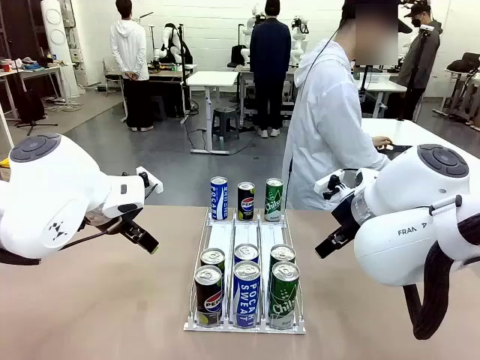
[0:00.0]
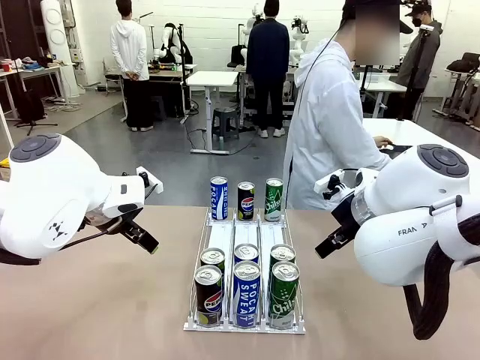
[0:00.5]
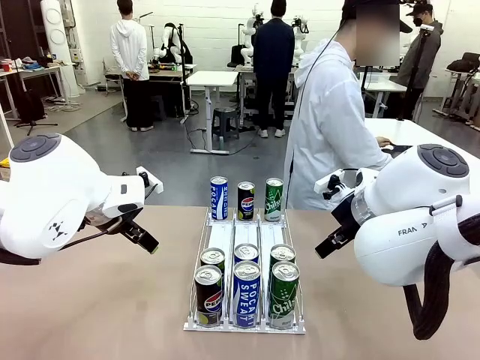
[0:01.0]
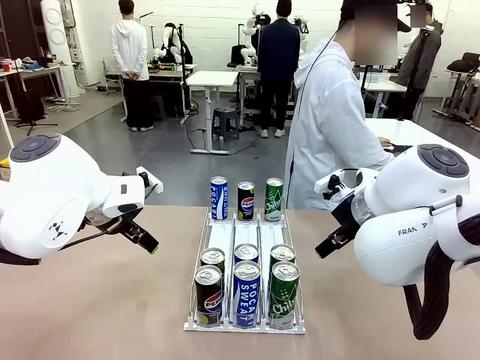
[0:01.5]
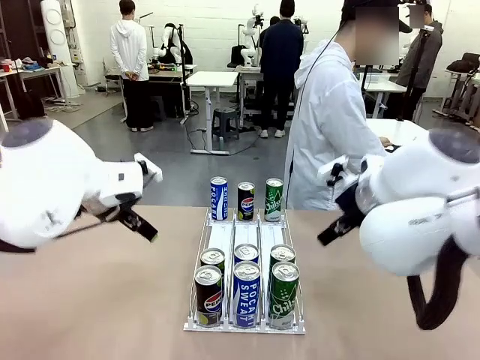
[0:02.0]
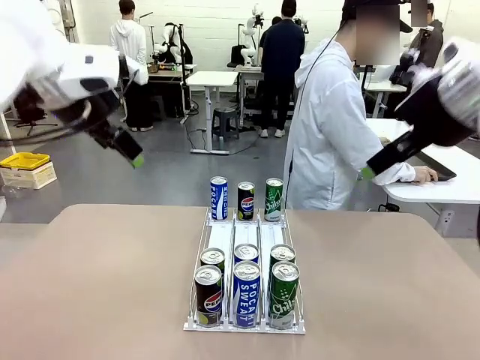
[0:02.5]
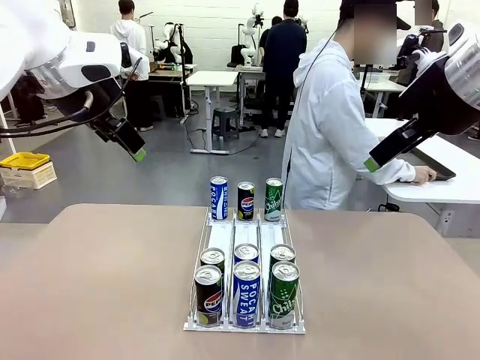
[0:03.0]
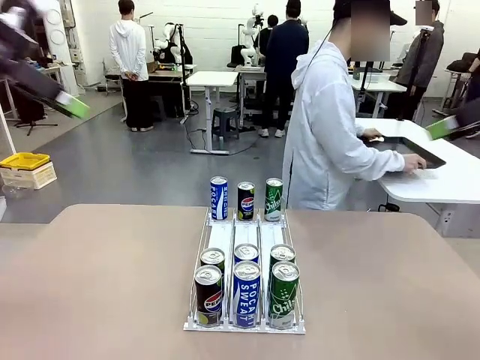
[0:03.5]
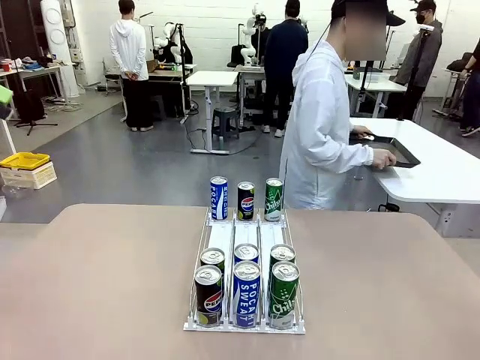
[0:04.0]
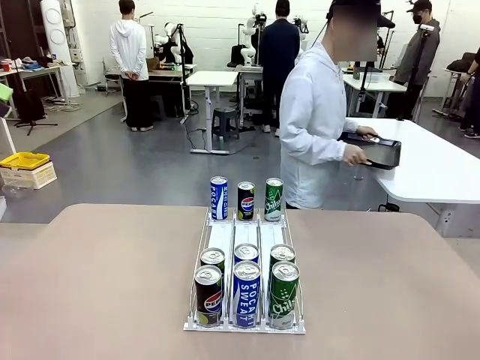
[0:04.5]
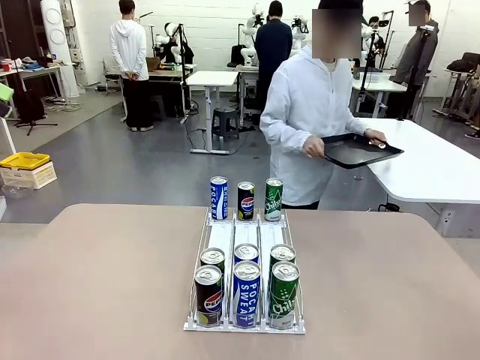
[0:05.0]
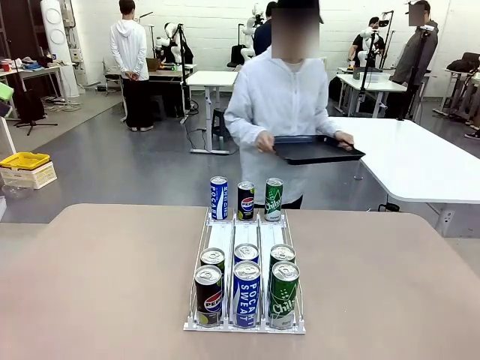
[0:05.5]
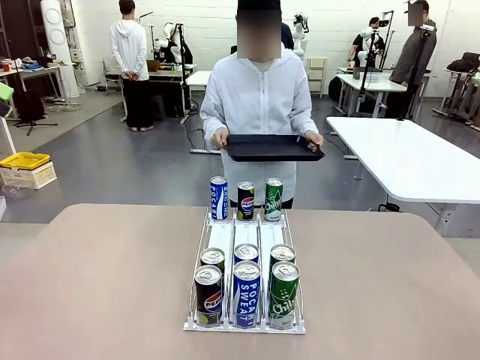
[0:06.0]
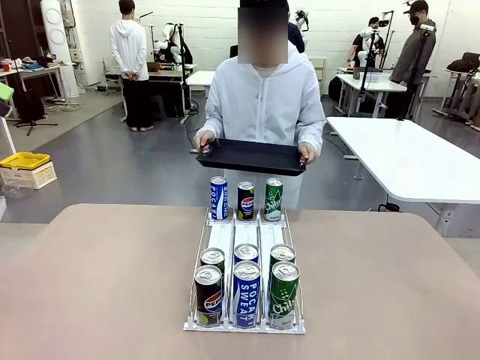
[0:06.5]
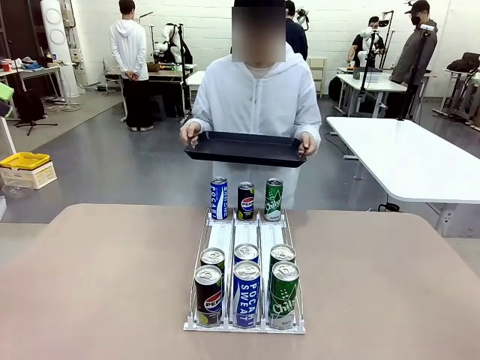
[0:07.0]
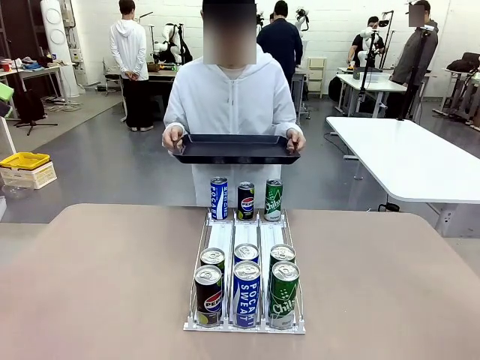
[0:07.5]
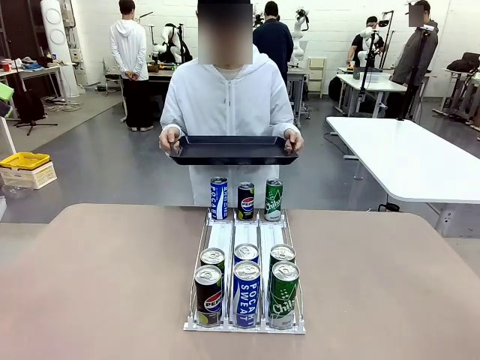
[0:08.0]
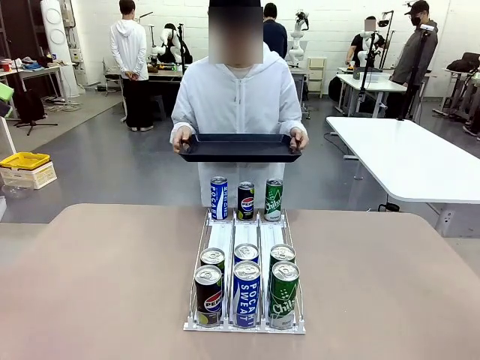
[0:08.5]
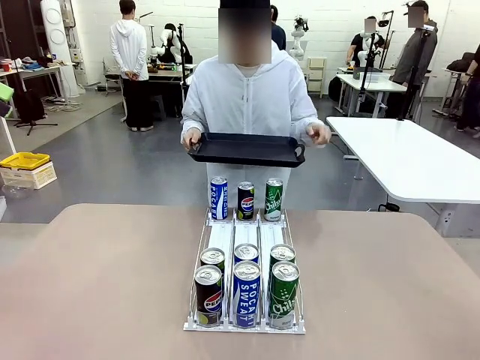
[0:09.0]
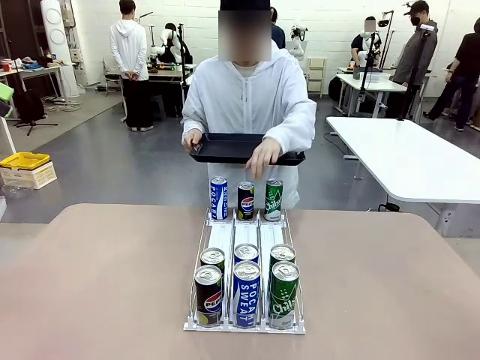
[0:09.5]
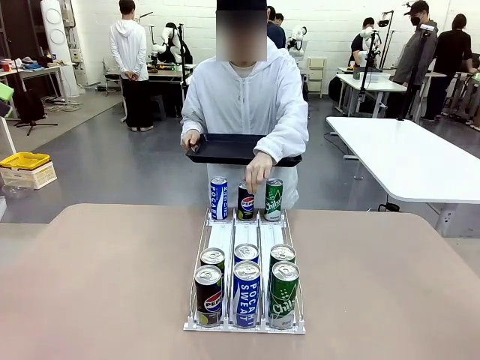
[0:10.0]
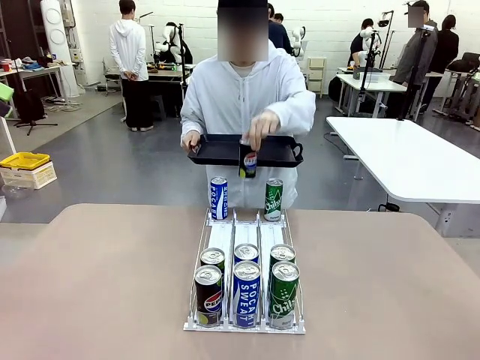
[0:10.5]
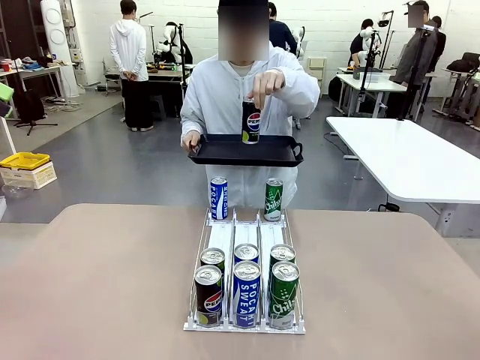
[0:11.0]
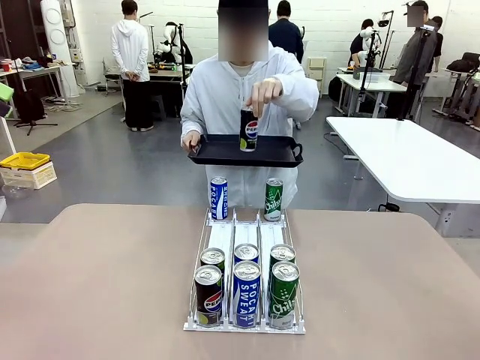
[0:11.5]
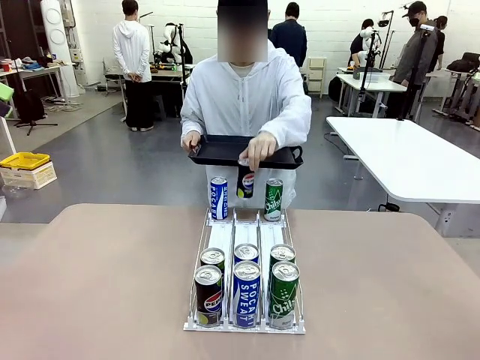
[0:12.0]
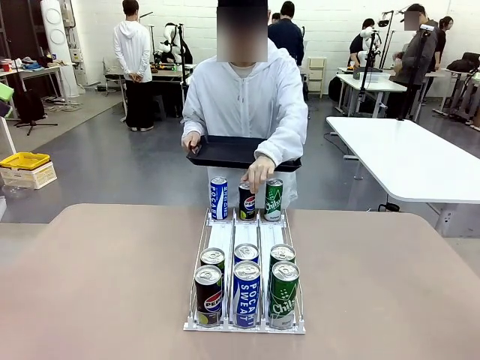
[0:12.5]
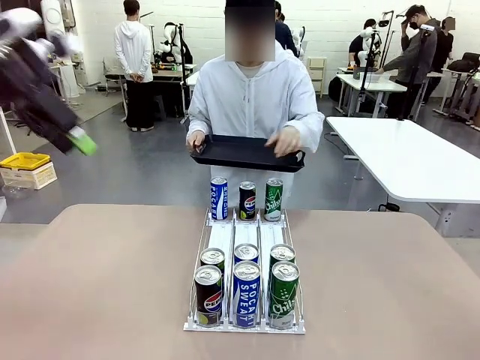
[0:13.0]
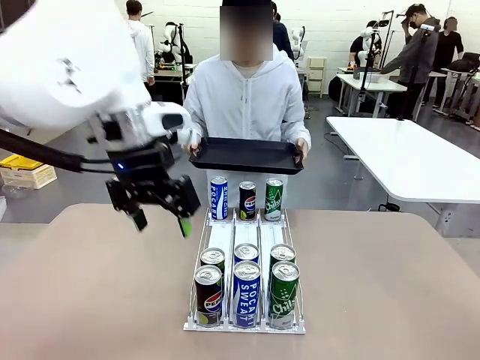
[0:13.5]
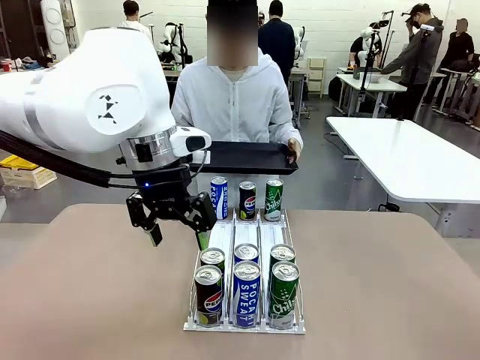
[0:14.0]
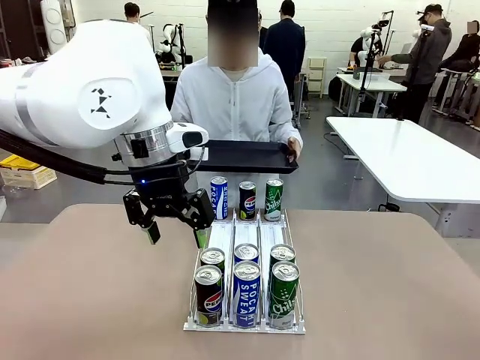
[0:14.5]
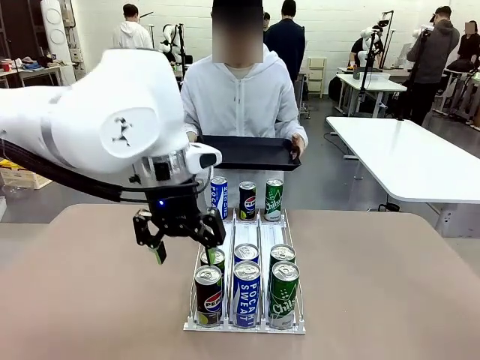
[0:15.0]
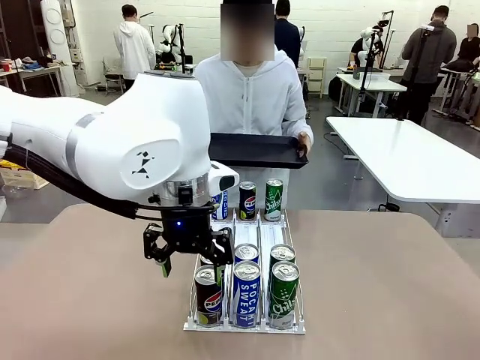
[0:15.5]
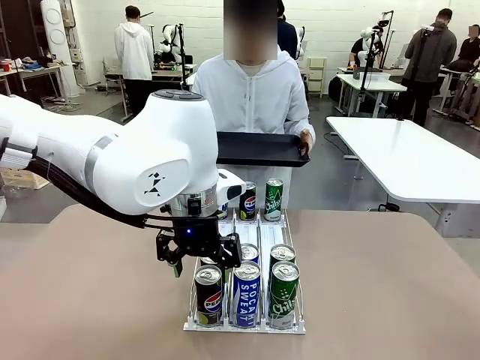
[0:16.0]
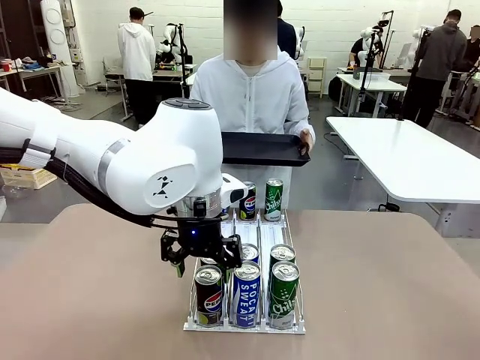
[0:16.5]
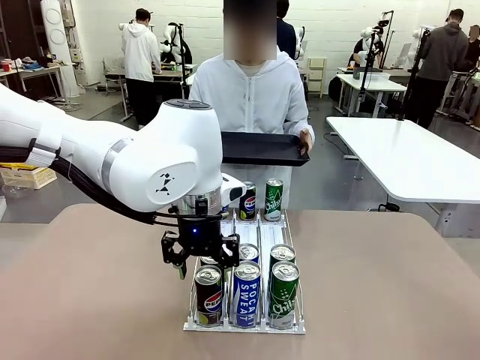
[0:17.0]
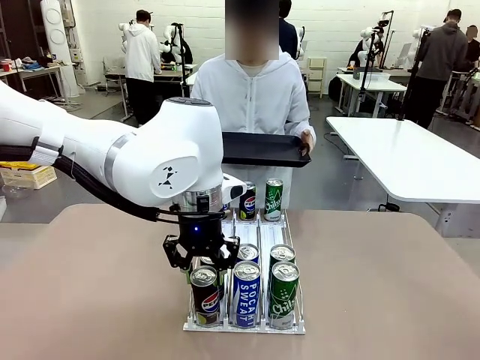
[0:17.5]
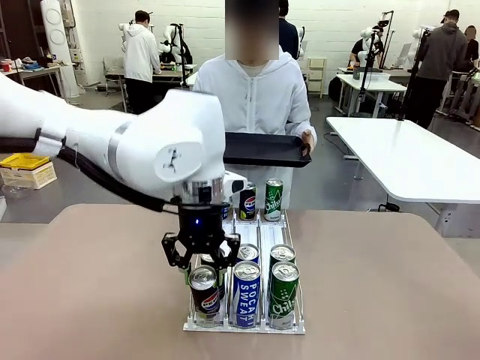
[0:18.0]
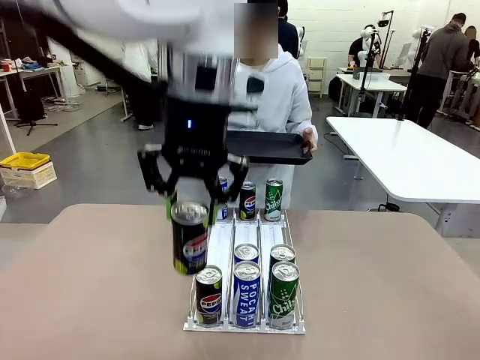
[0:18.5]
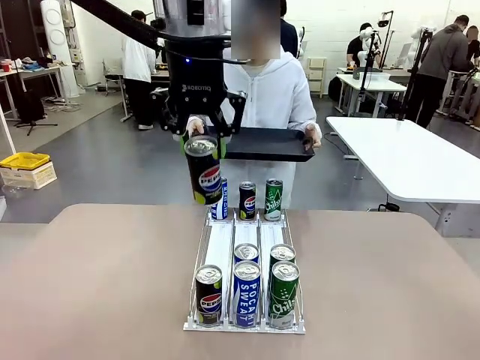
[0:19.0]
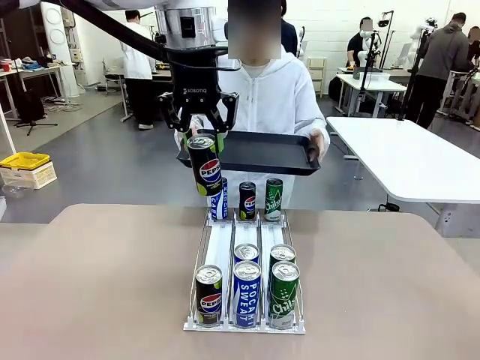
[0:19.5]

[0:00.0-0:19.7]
Task: Retrieve and hand over the desired beverage to the person.
Robot: Pick up a can of the same type that the person held from the Automatic Can Dispenser.
Person: Hold the tray and position yourself in front of the robot table. Pick up one can from the bottom area of the table and puts it back in its original place. Push the tray toward the robot.

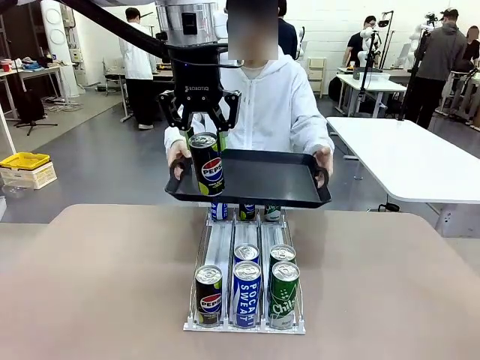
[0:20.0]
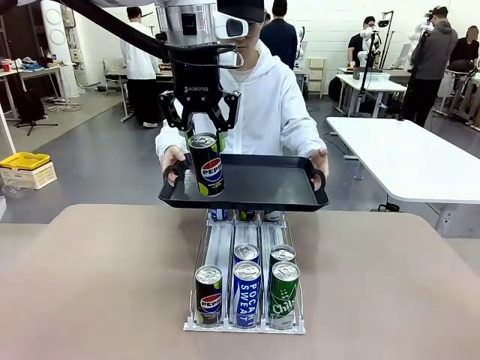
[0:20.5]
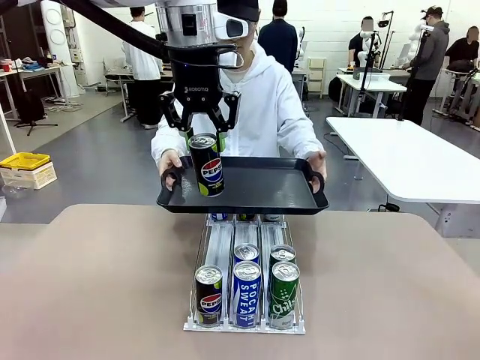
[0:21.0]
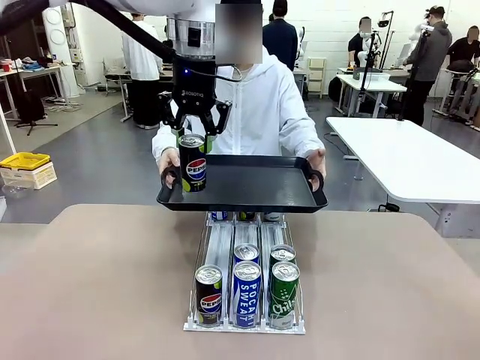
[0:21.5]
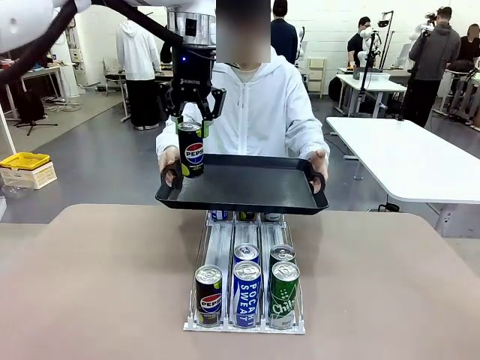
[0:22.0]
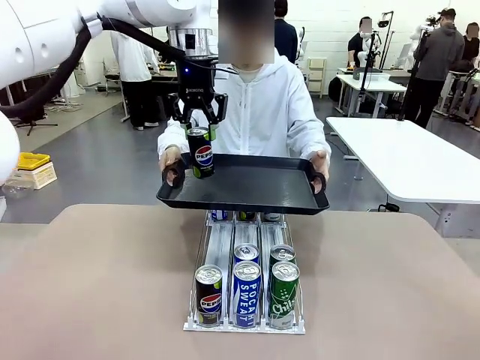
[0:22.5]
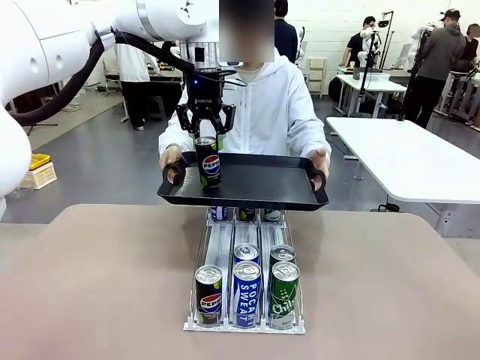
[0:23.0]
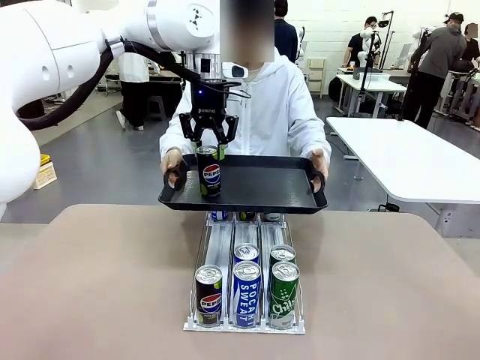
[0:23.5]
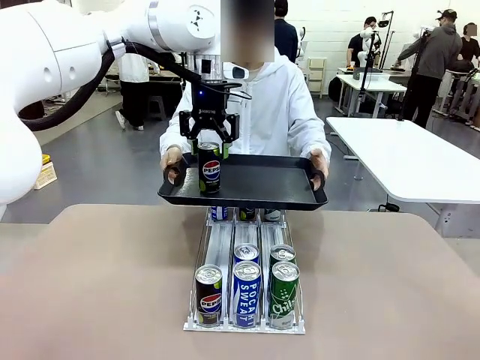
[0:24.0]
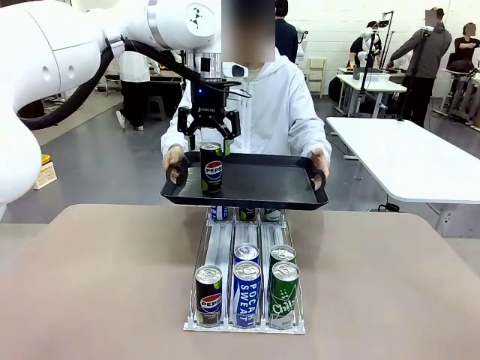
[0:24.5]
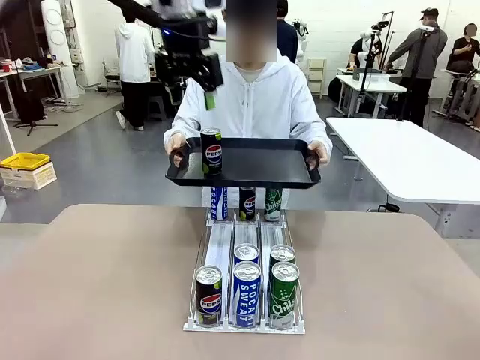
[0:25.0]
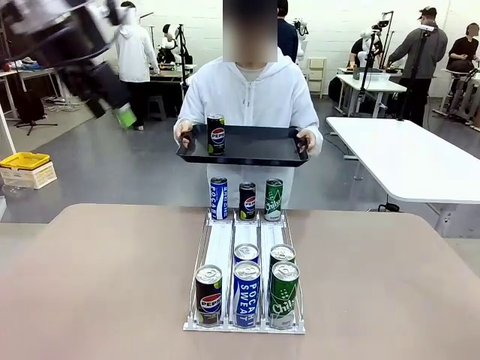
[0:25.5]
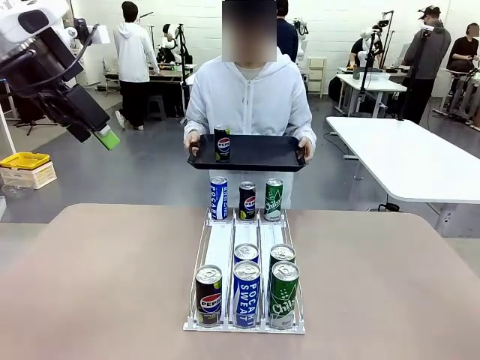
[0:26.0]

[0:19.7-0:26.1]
Robot: Place the picked can on the Handle tray extended by the person.
